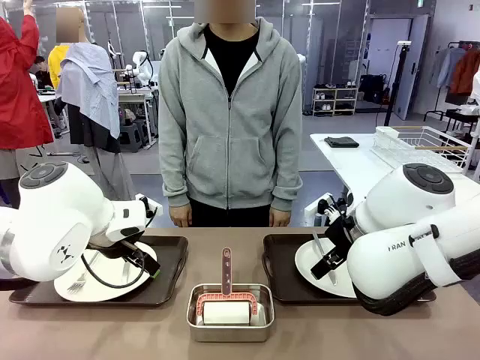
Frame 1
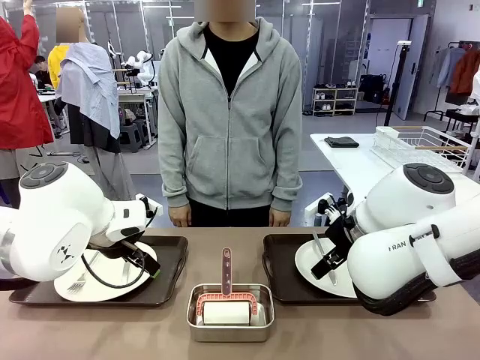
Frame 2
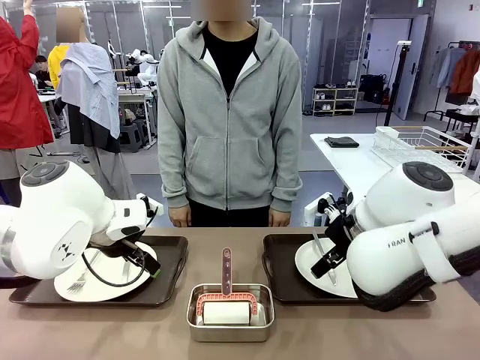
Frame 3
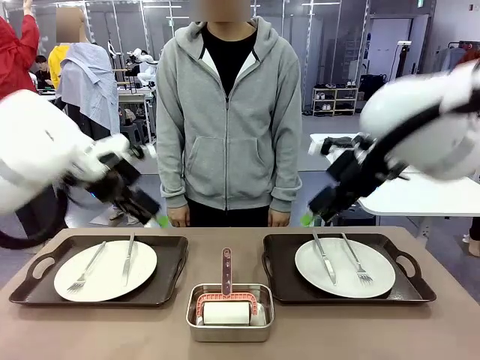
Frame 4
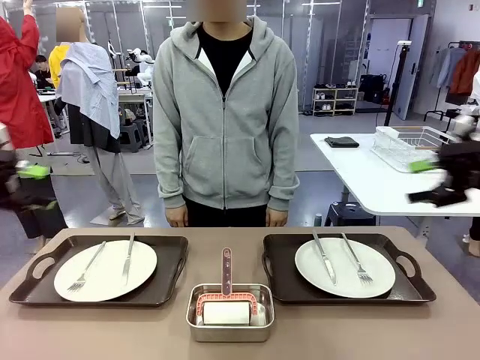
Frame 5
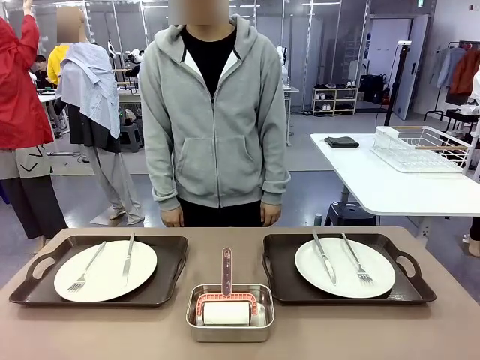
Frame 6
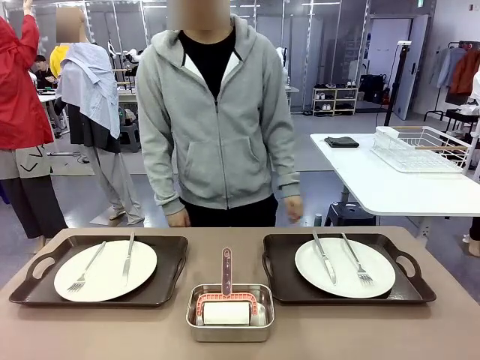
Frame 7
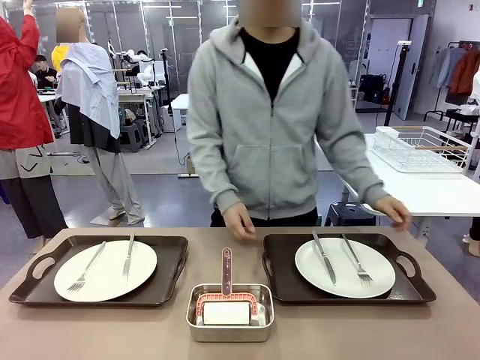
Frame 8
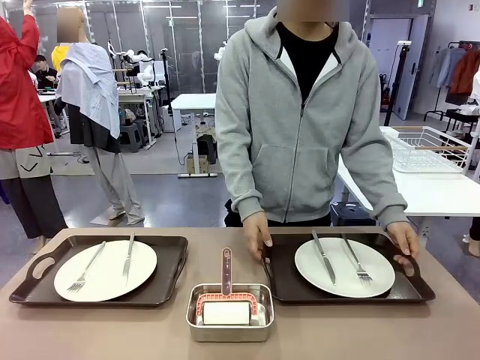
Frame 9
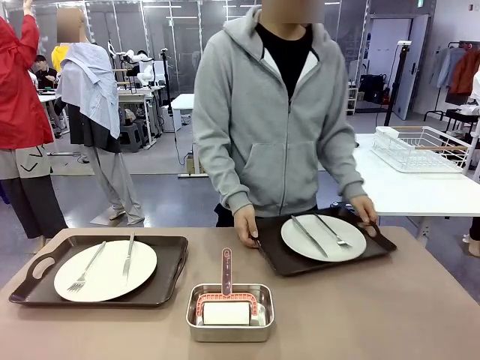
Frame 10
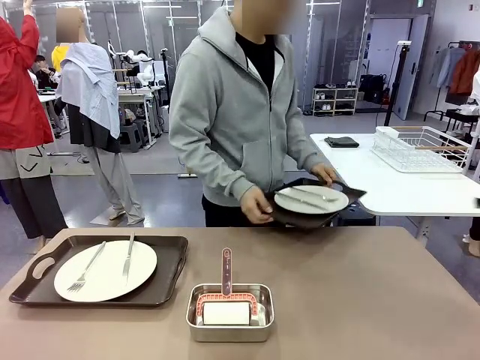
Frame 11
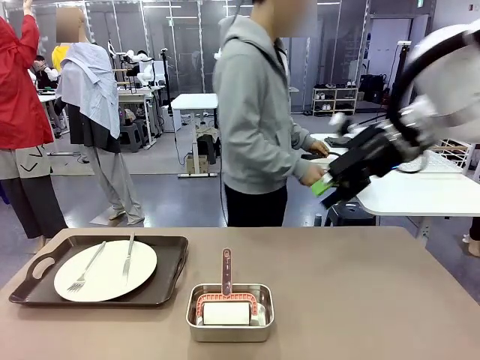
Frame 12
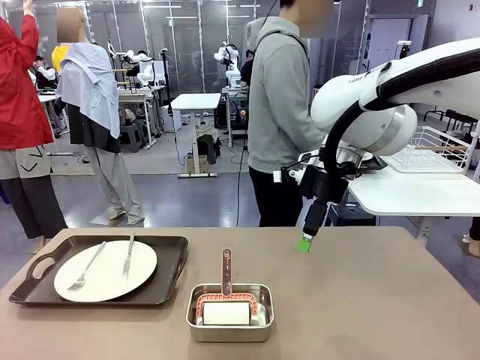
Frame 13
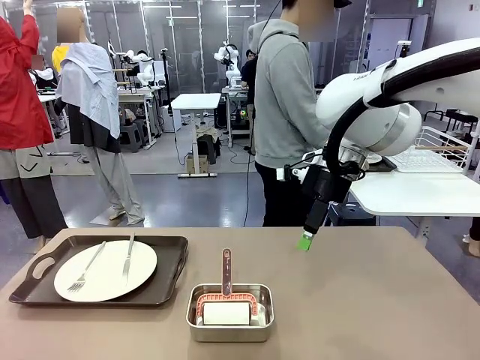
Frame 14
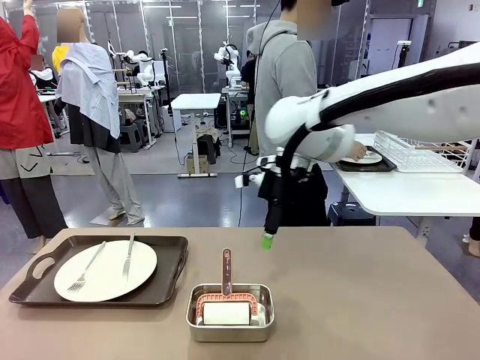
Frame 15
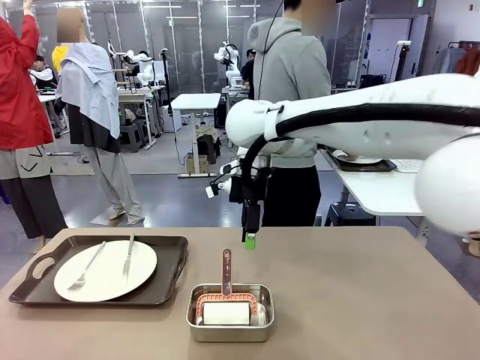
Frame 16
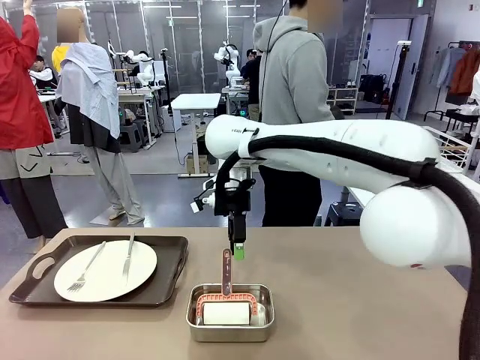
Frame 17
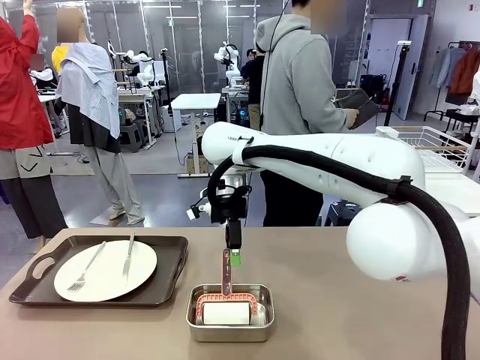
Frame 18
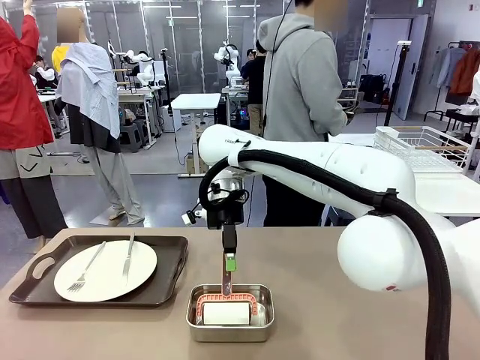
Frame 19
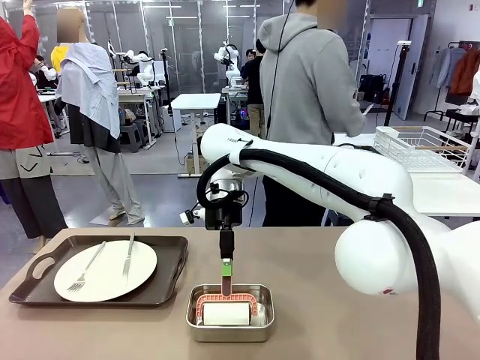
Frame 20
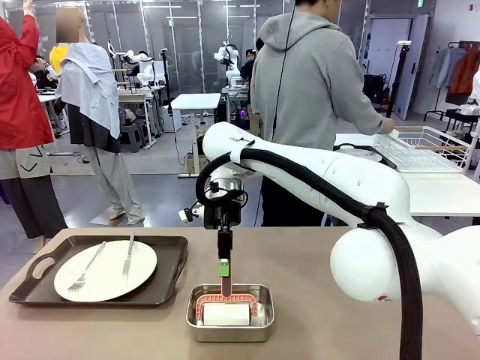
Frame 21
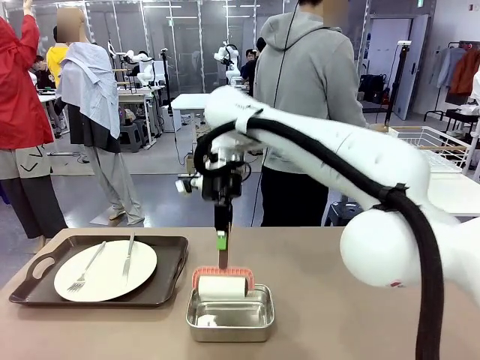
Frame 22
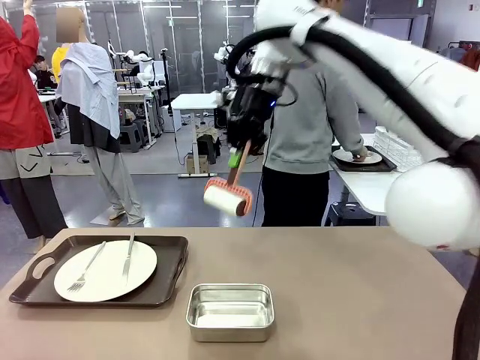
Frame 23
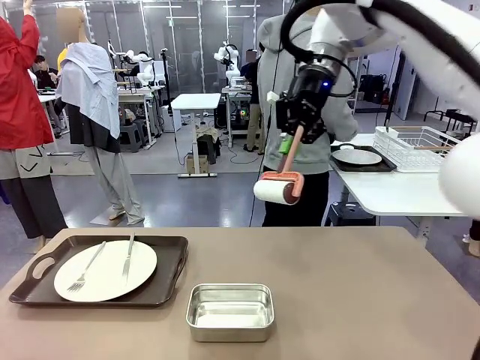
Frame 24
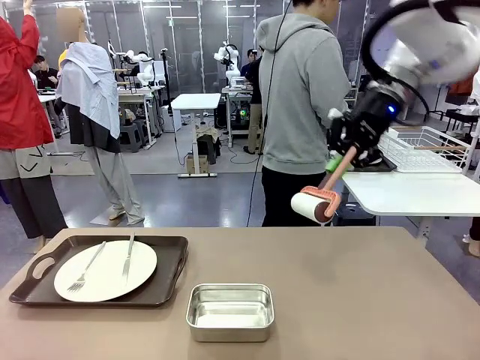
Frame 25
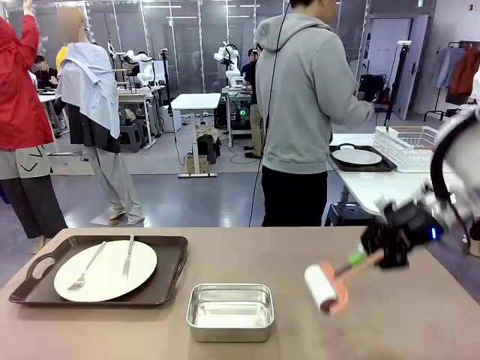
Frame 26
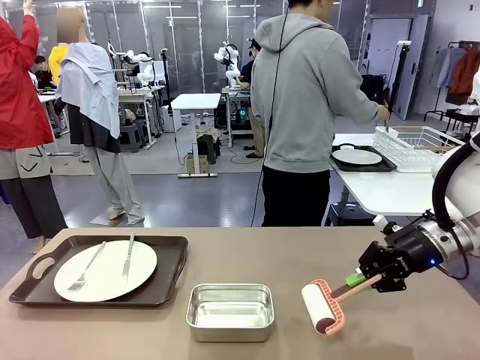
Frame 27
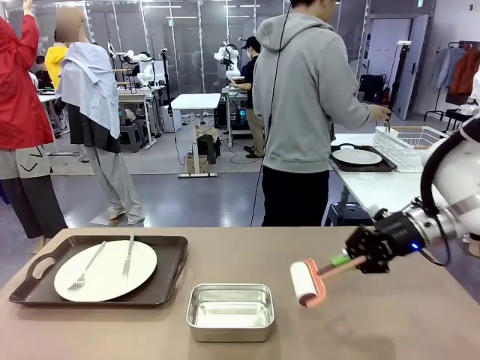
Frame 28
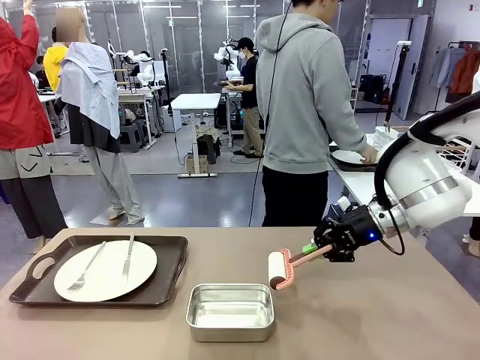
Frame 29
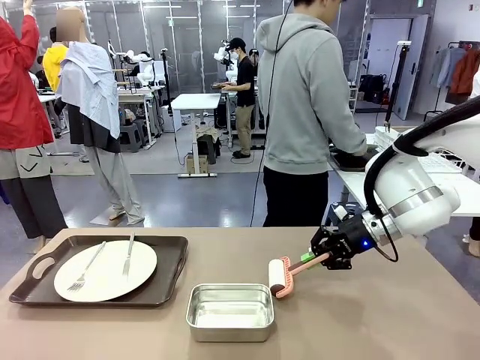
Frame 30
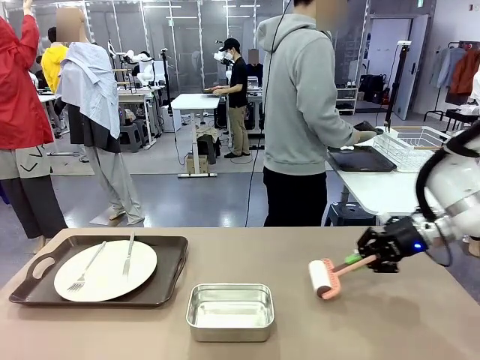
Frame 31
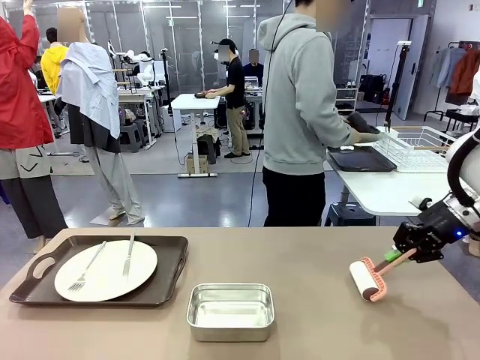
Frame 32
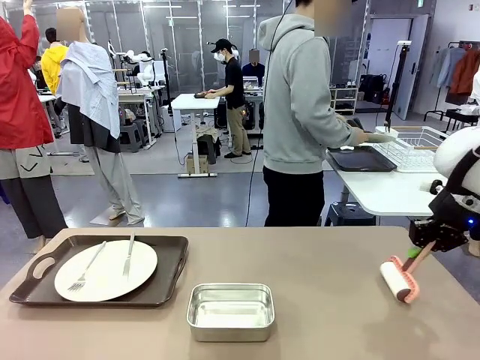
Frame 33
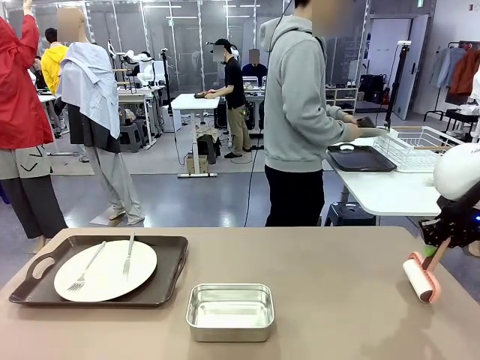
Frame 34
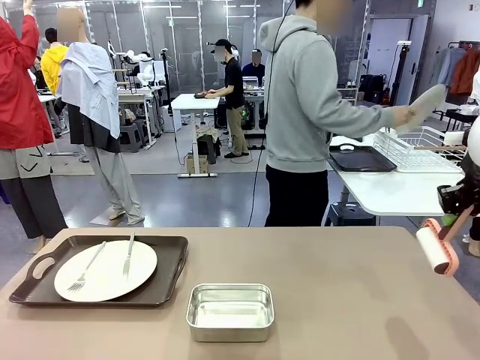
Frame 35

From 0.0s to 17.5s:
Robot: When the left (or right) Handle tray is removed, use the left hand (or right hand) to clean the left (or right) side of the table with the Lint Roller.
Person: Pick up the left (or right) Handle tray and place it on the middle of the Human's table. Use the Towel with hook to wipe the Plastic Matte Plate , Fork , and Knife and place into the Dish drying rack.

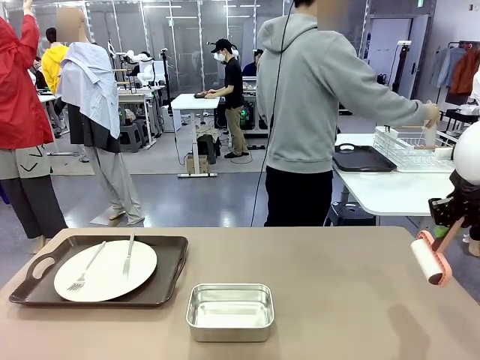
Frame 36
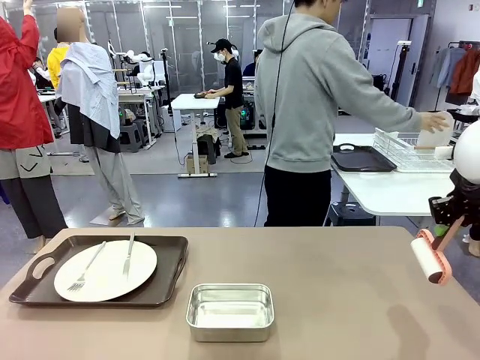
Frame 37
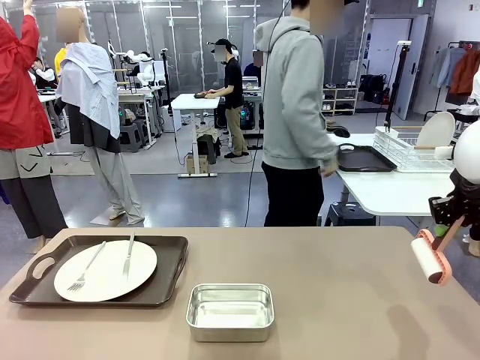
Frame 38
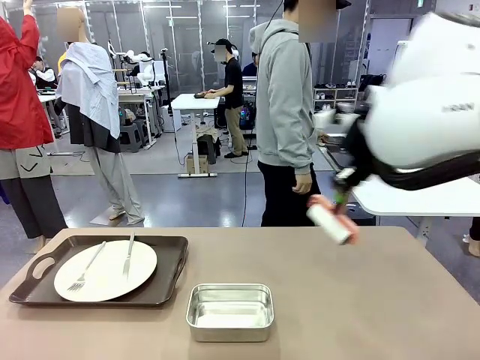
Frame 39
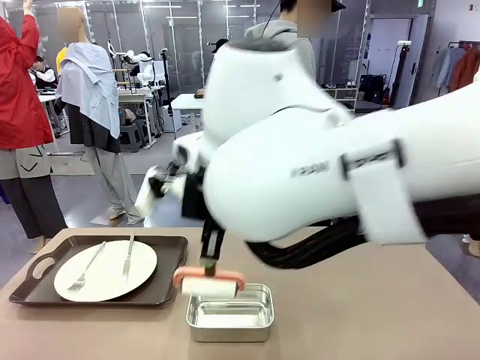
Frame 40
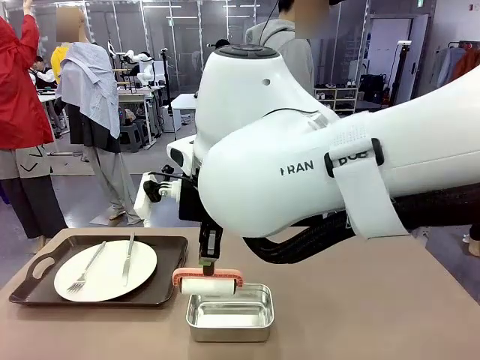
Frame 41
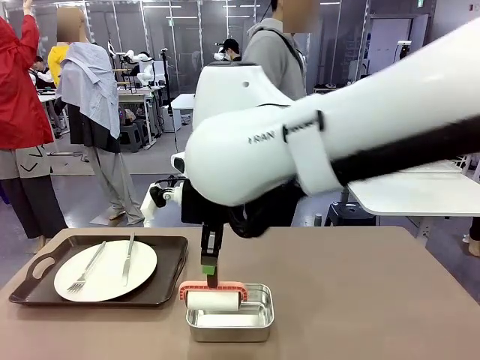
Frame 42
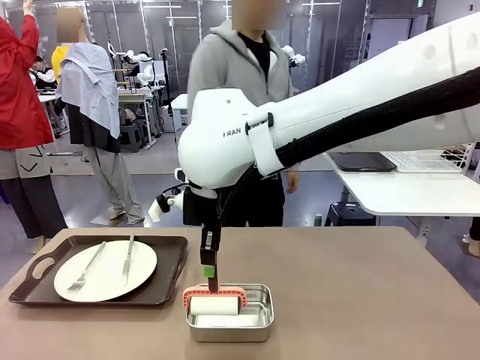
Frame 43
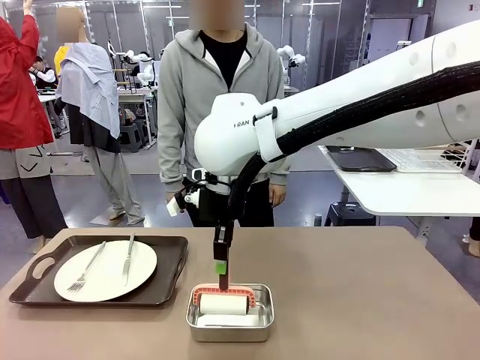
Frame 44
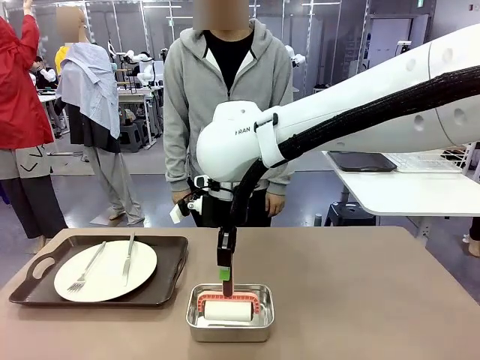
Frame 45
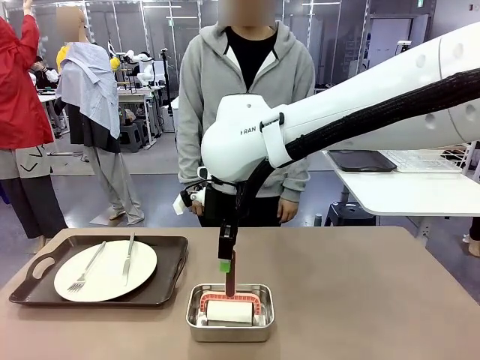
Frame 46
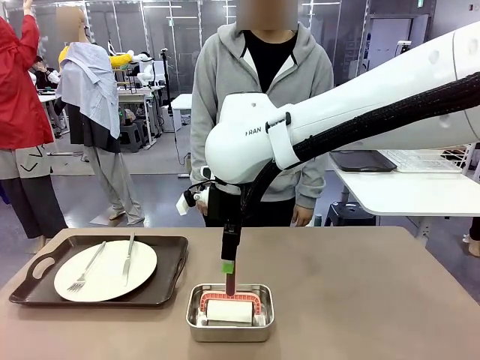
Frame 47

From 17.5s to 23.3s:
Robot: Place the Lint Roller back on top of the Airtight Container.

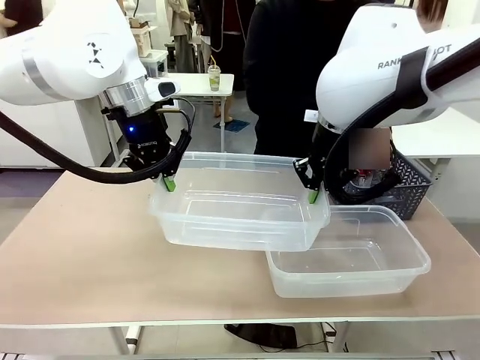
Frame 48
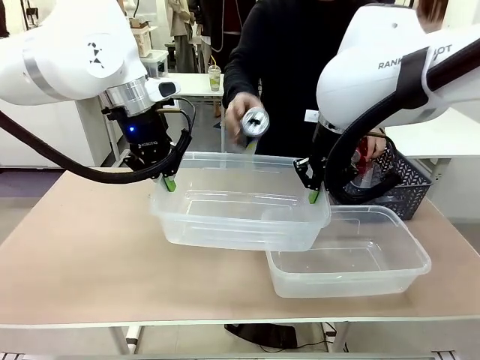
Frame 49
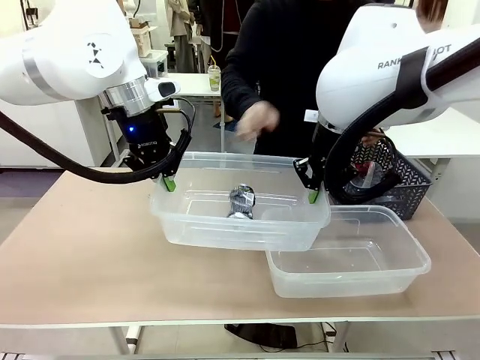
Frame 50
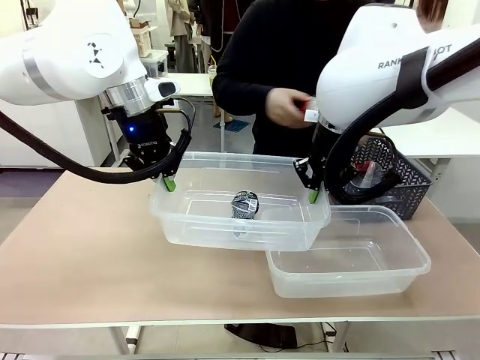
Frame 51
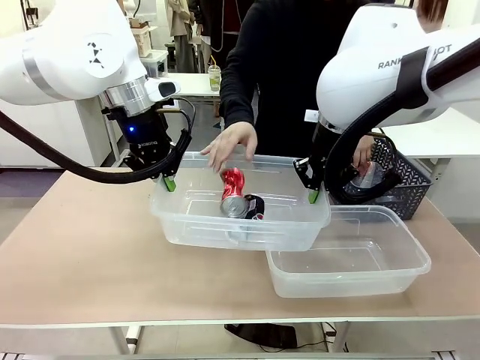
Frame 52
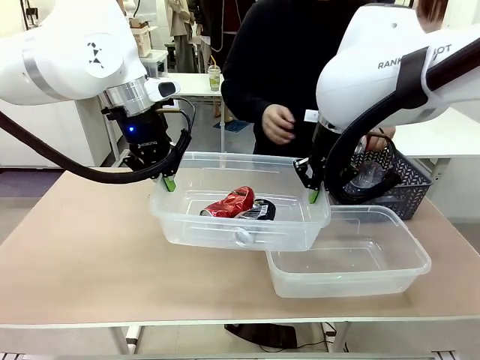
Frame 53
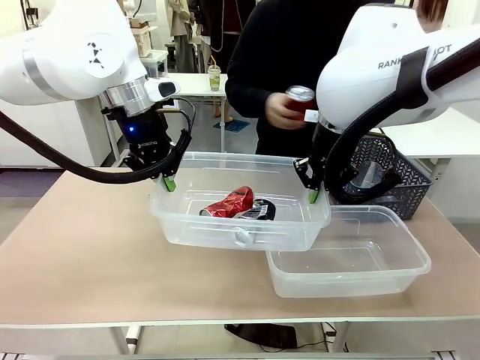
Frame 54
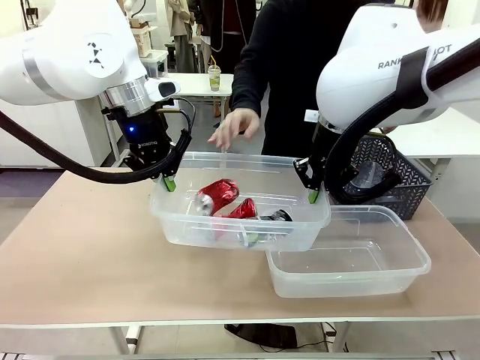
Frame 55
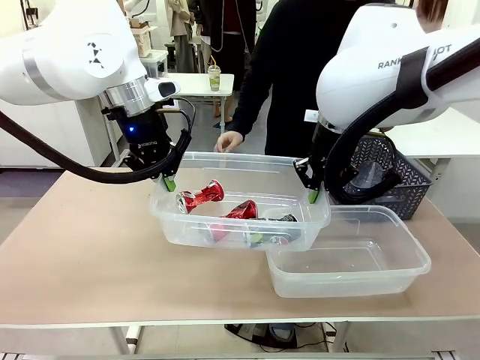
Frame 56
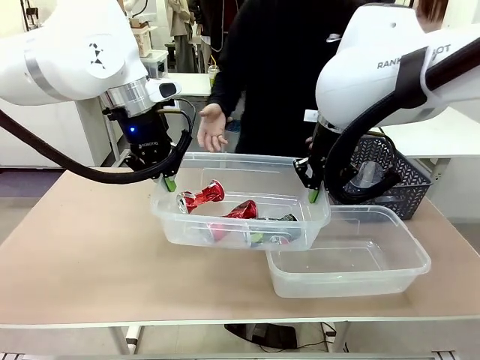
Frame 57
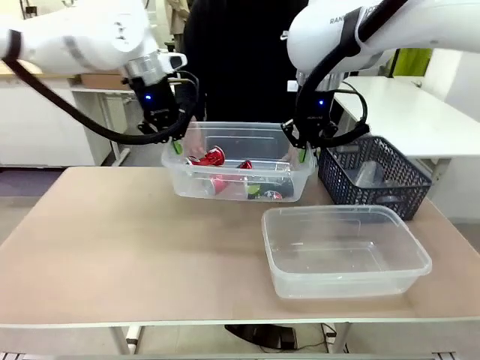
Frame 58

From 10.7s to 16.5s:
Robot: Offer the picked Organizing box to the human.
